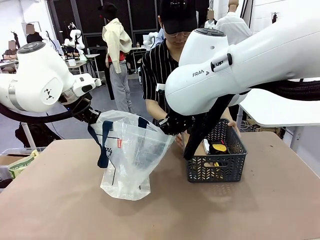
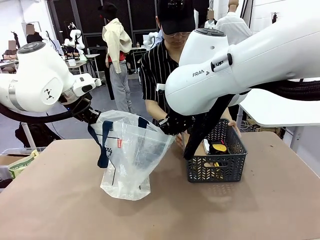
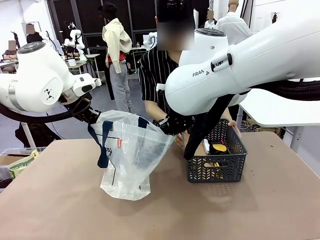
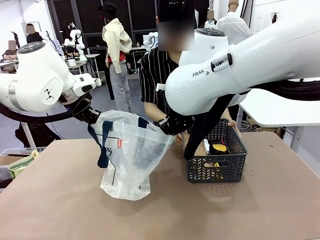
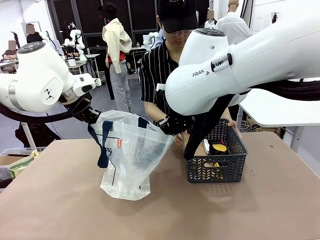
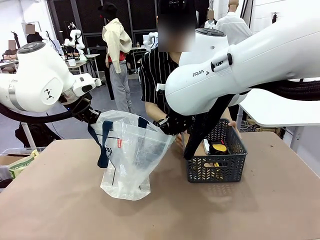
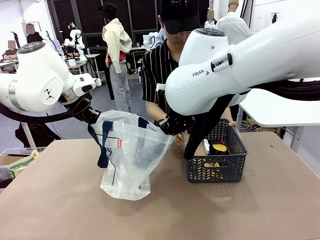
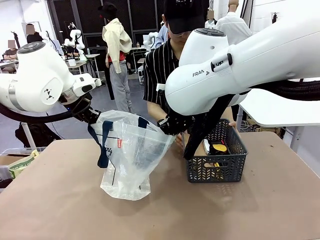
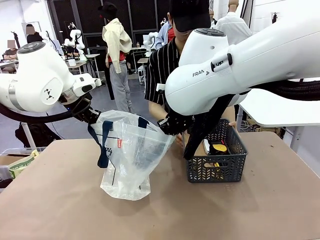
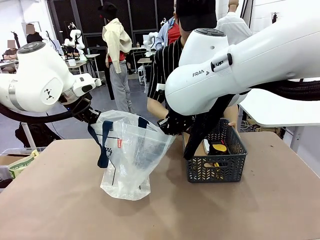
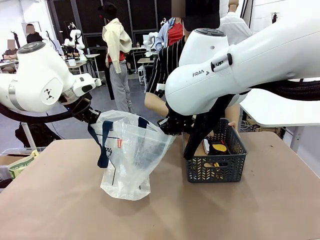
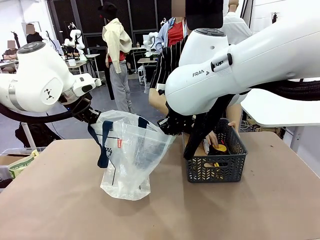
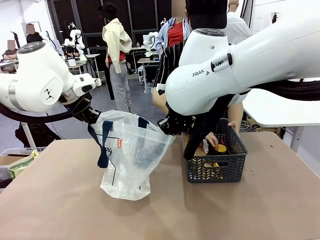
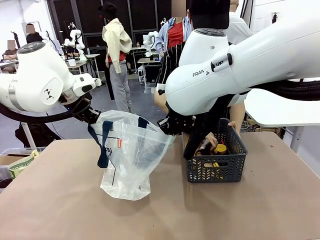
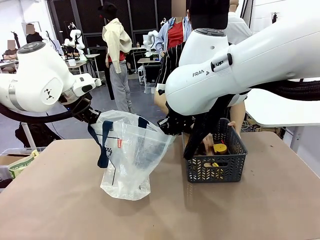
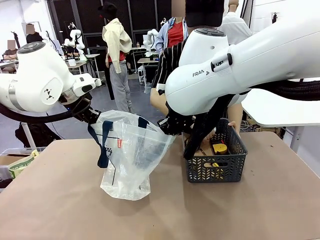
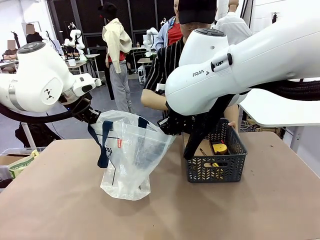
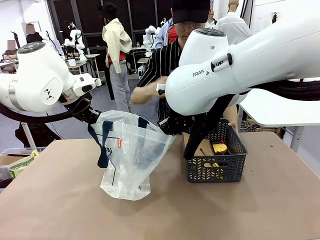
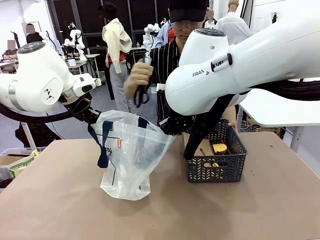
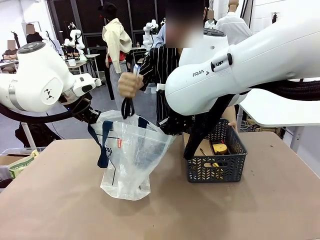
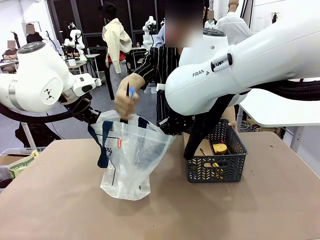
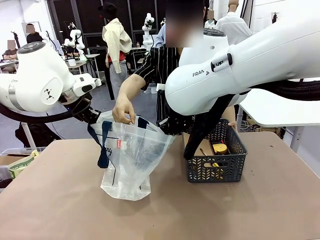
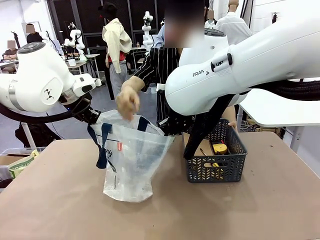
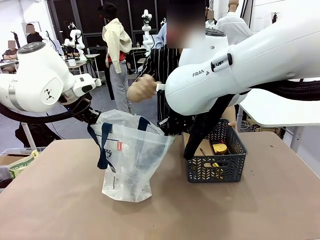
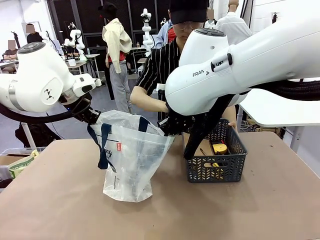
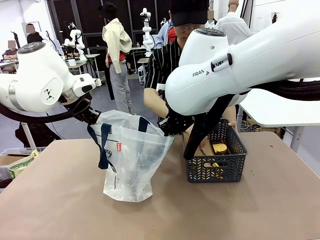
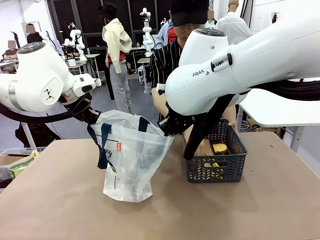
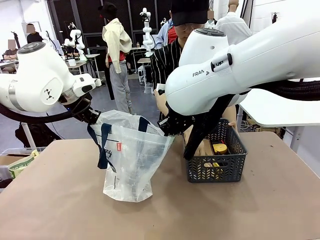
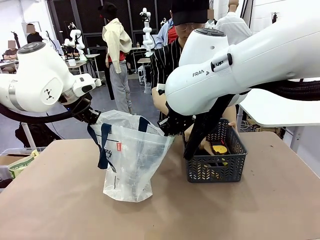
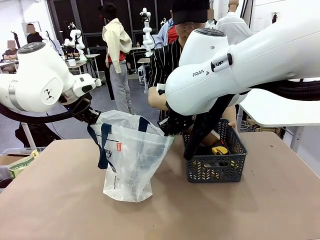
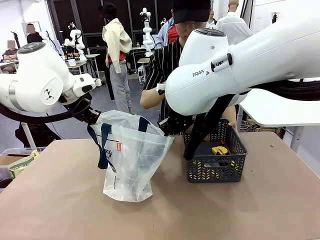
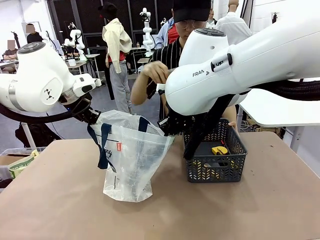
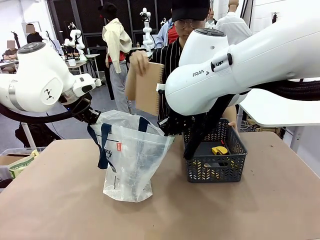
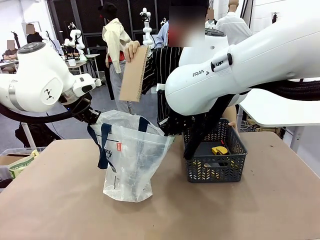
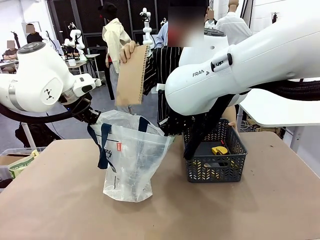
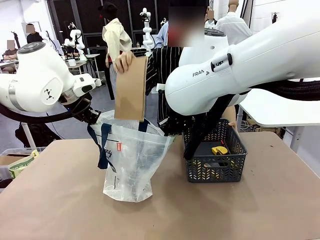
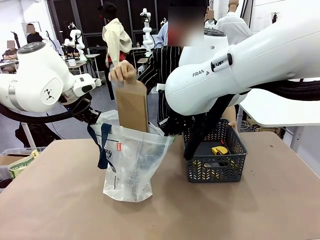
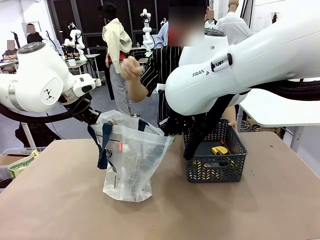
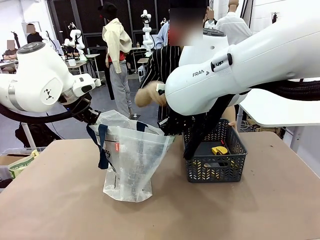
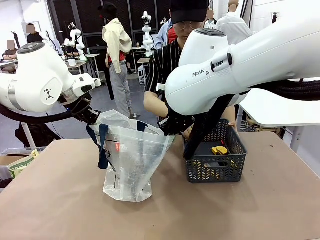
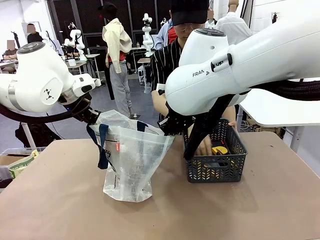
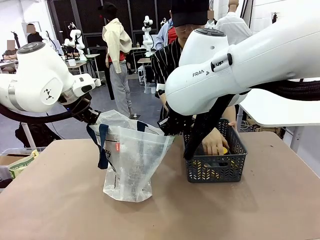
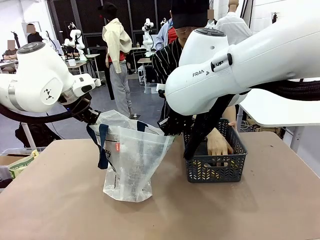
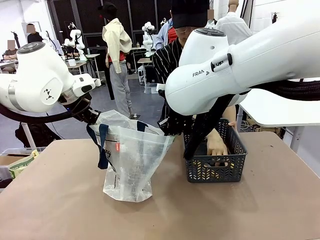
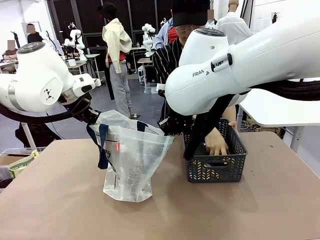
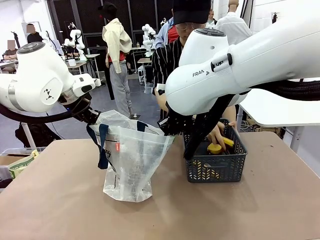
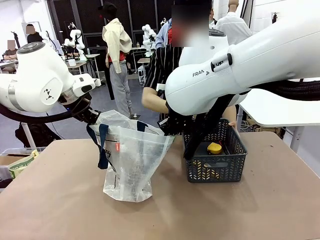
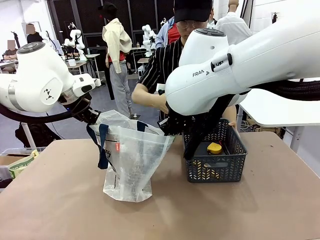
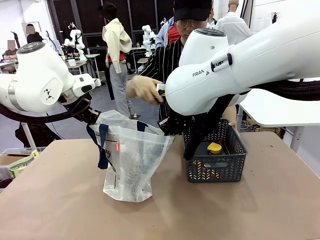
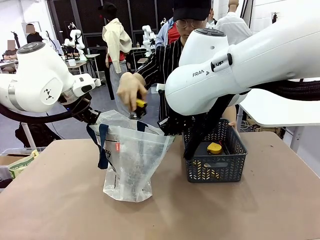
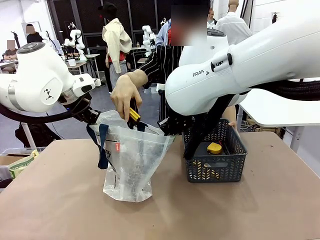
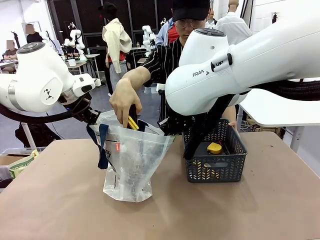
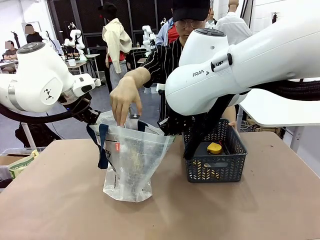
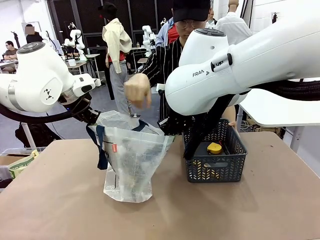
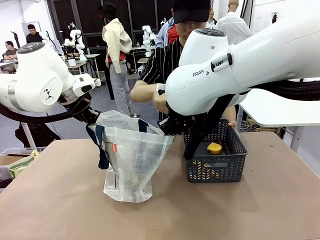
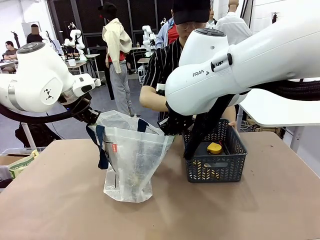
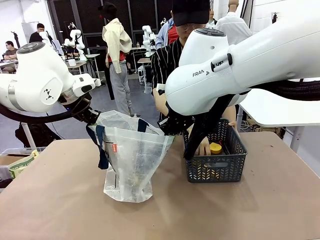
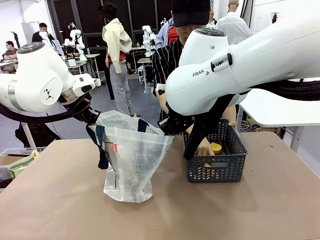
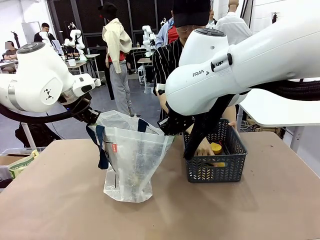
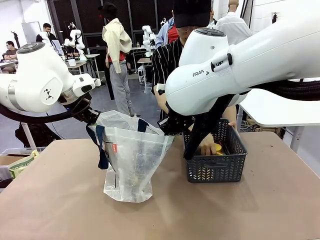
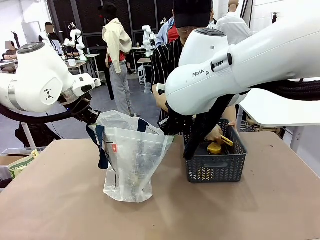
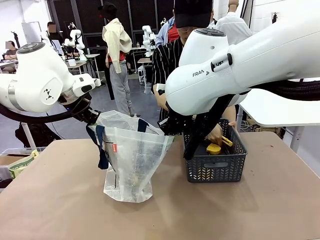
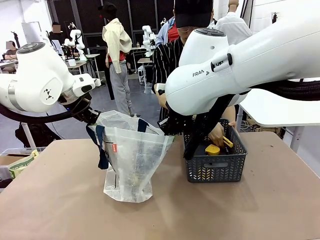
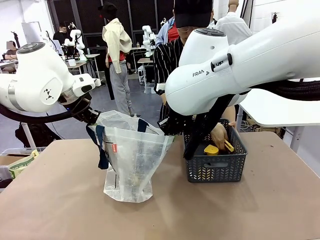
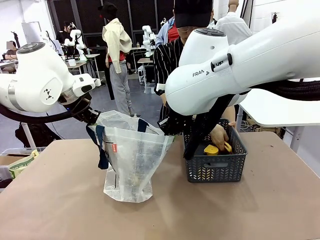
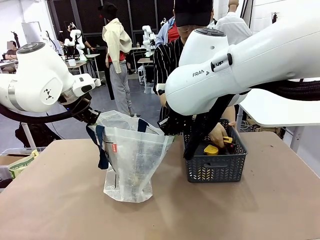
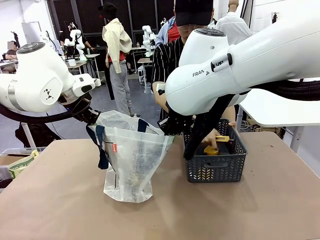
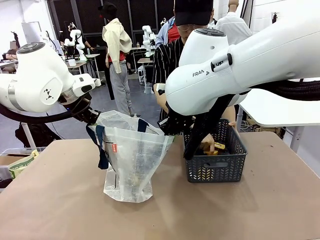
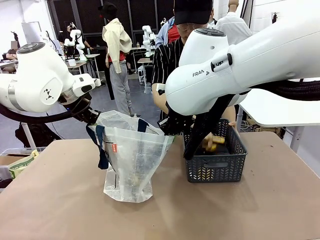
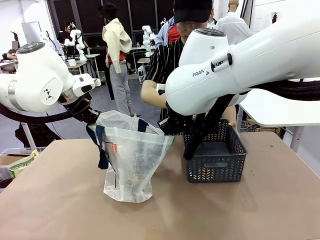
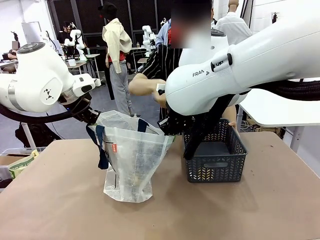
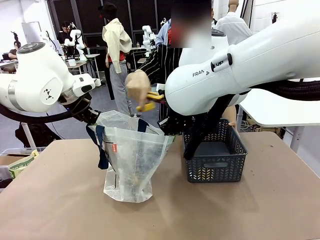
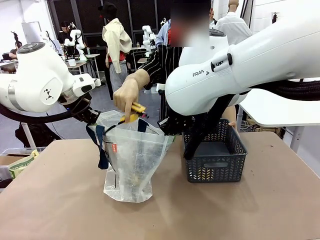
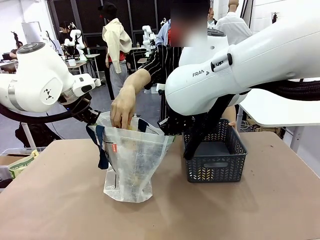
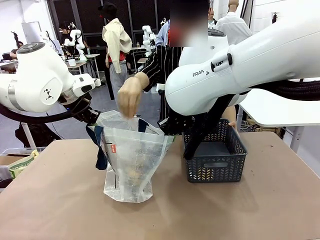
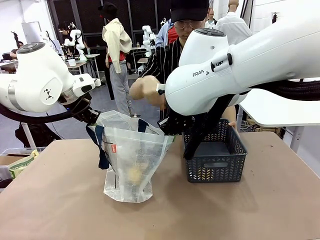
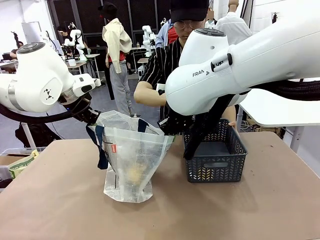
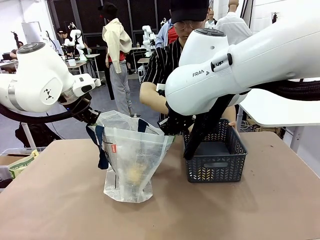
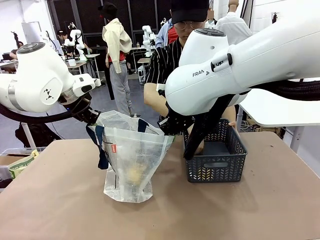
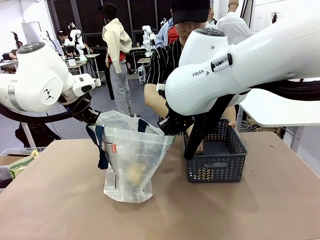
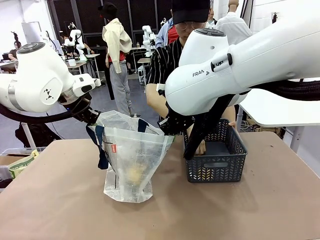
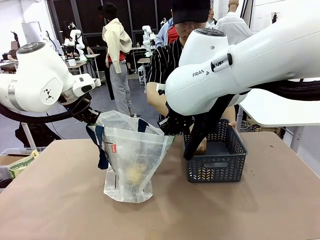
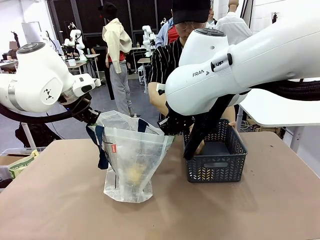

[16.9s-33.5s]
Task: Transfer purchased items from the store into the shopping bag.
Robot: Move the Reusable shopping bag to the right side of the table.
Person: Pick up the basket with the items out and place it on the right side of the human table.
